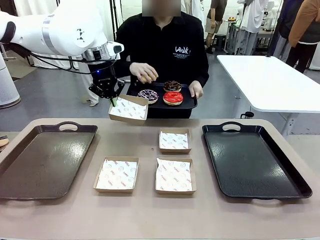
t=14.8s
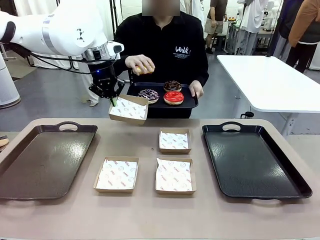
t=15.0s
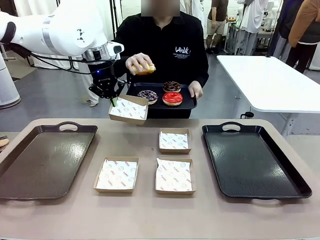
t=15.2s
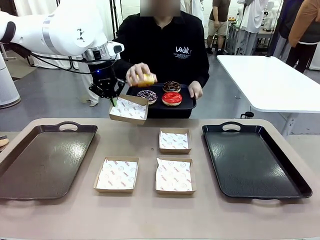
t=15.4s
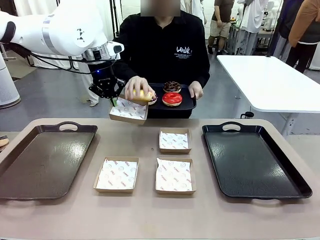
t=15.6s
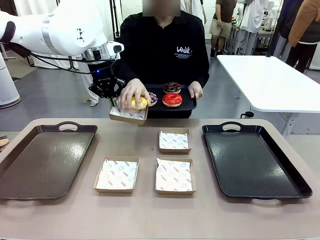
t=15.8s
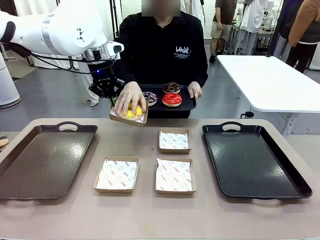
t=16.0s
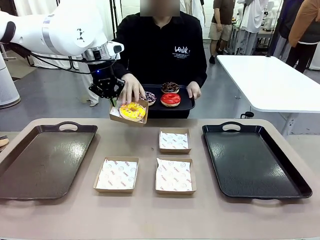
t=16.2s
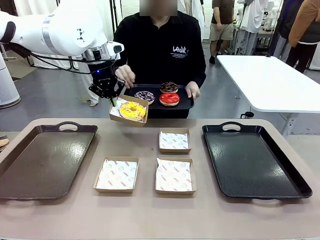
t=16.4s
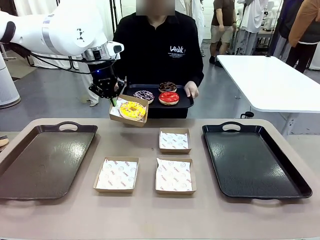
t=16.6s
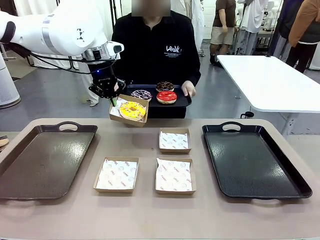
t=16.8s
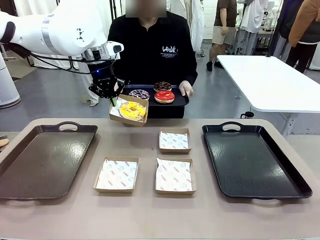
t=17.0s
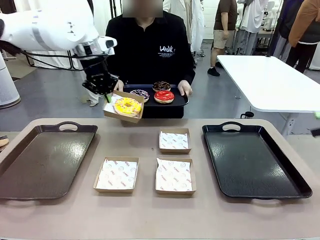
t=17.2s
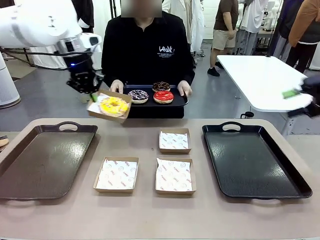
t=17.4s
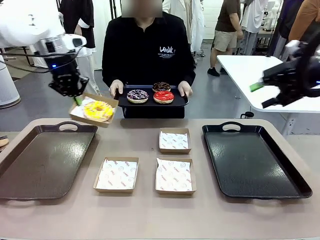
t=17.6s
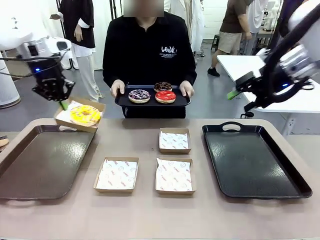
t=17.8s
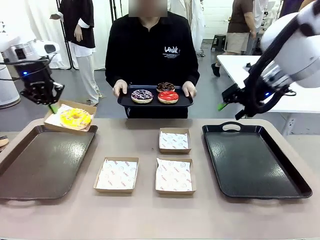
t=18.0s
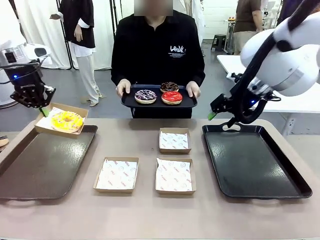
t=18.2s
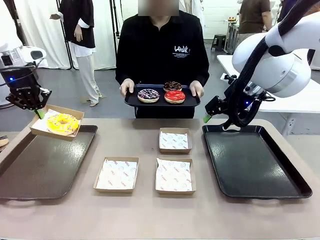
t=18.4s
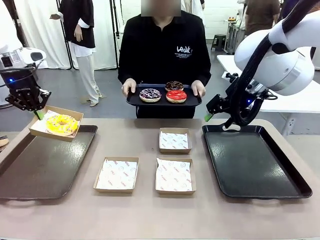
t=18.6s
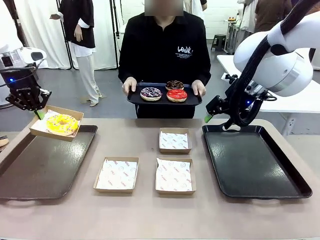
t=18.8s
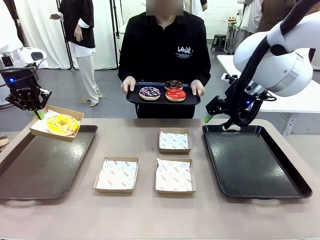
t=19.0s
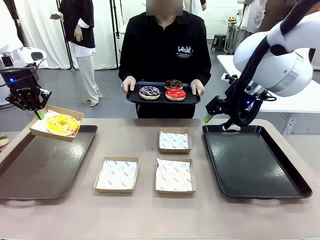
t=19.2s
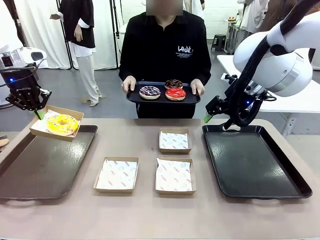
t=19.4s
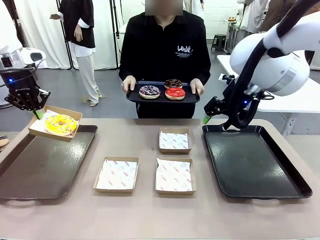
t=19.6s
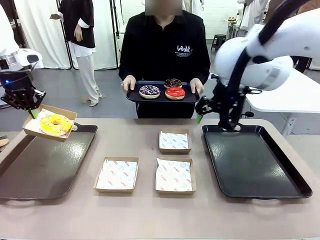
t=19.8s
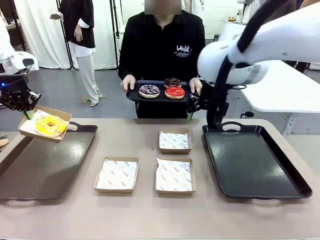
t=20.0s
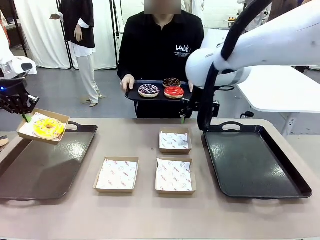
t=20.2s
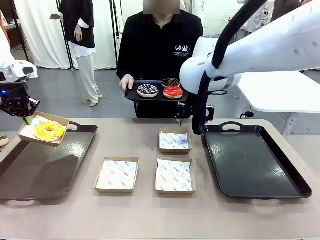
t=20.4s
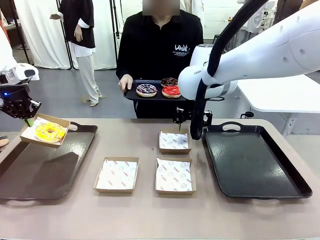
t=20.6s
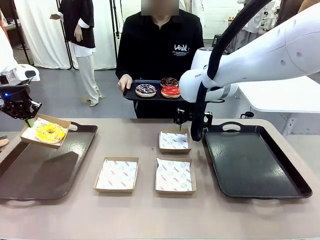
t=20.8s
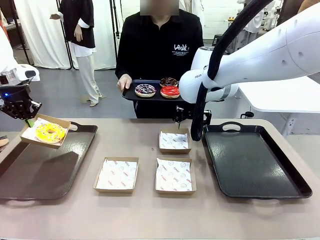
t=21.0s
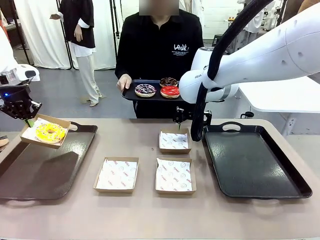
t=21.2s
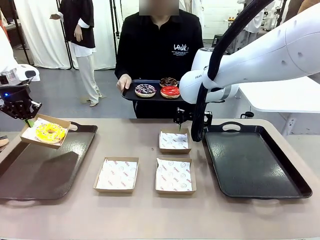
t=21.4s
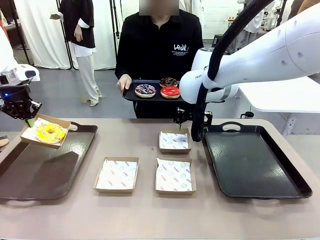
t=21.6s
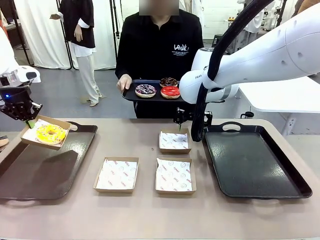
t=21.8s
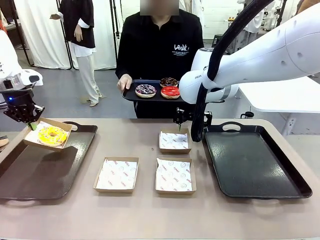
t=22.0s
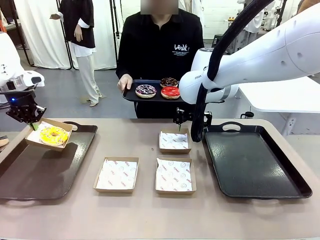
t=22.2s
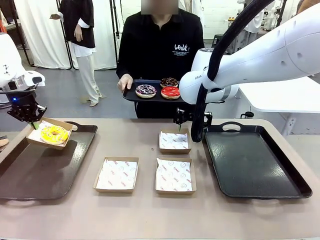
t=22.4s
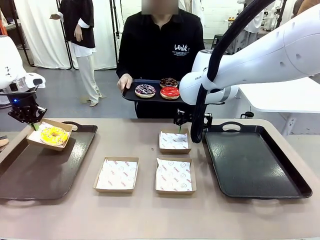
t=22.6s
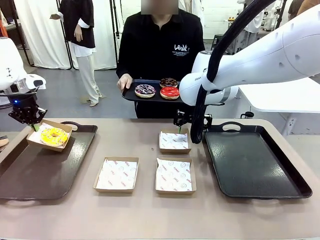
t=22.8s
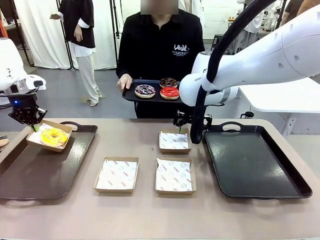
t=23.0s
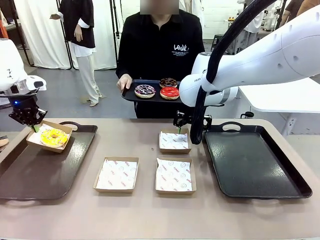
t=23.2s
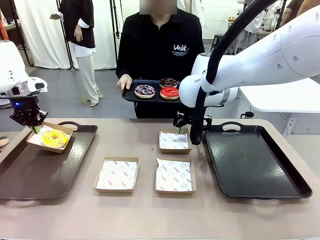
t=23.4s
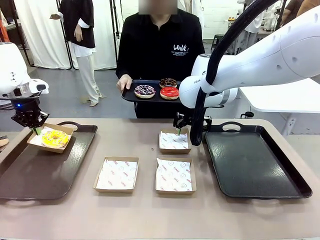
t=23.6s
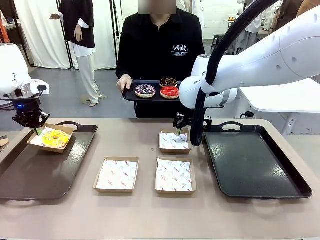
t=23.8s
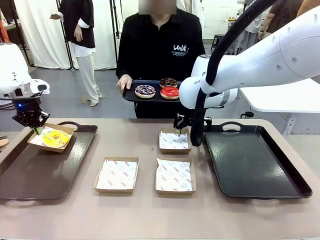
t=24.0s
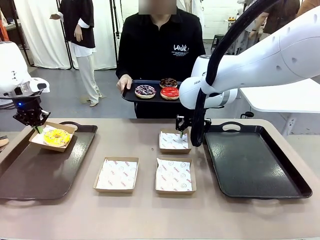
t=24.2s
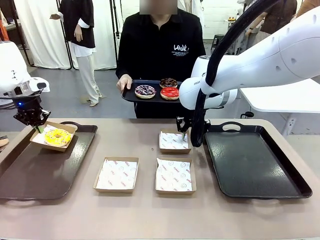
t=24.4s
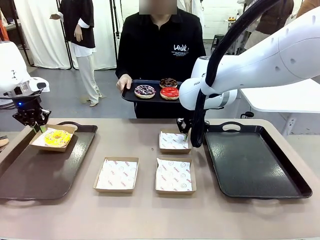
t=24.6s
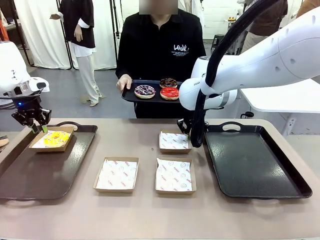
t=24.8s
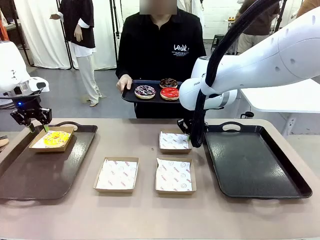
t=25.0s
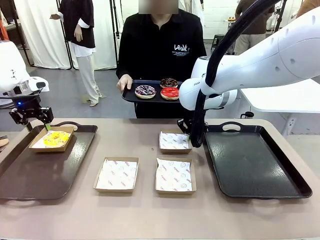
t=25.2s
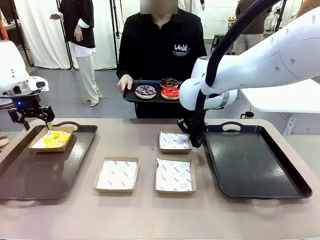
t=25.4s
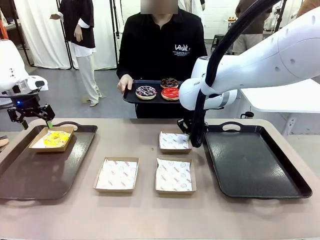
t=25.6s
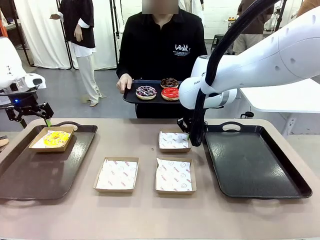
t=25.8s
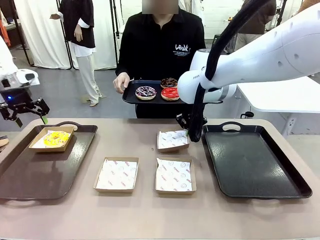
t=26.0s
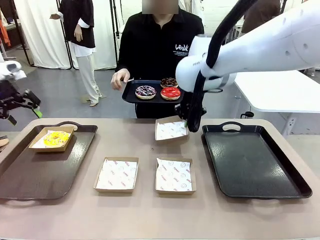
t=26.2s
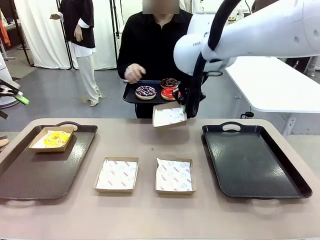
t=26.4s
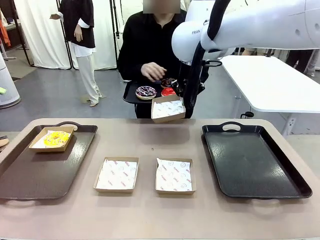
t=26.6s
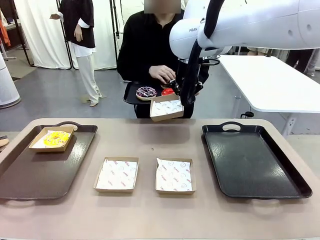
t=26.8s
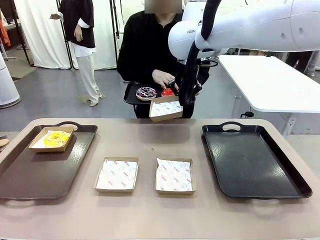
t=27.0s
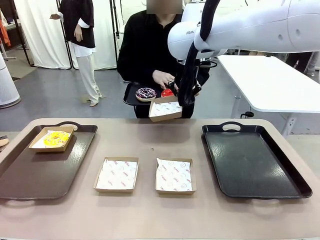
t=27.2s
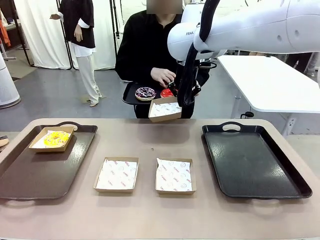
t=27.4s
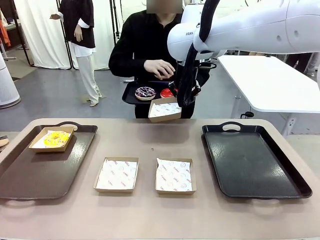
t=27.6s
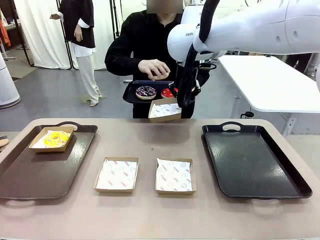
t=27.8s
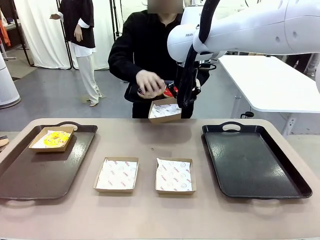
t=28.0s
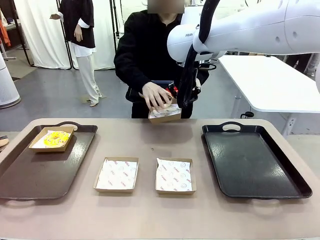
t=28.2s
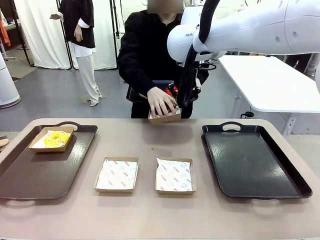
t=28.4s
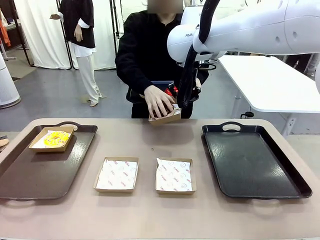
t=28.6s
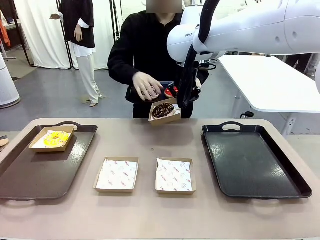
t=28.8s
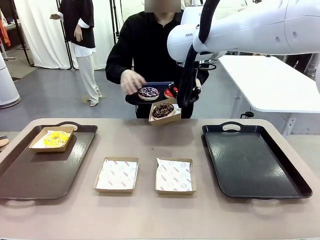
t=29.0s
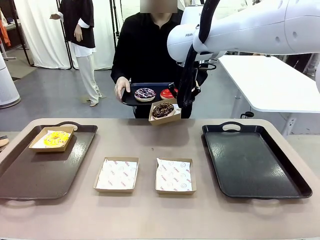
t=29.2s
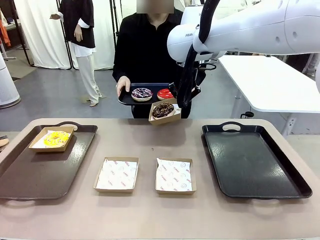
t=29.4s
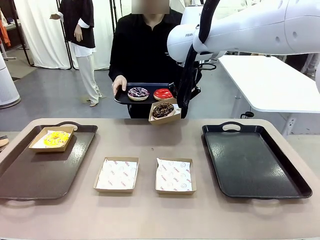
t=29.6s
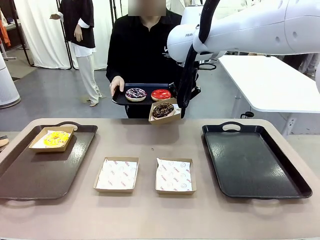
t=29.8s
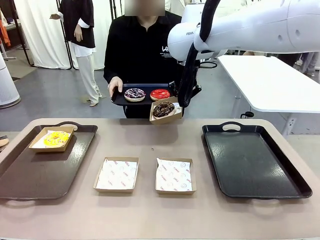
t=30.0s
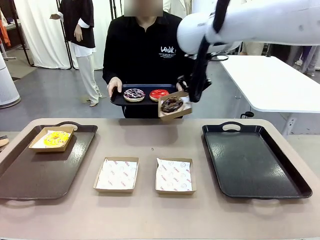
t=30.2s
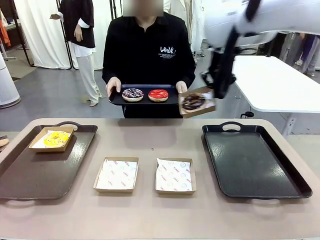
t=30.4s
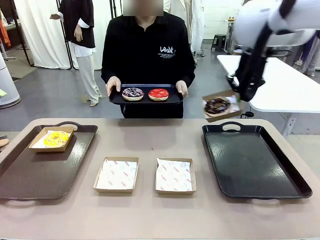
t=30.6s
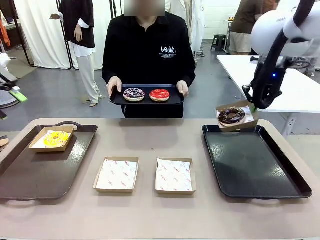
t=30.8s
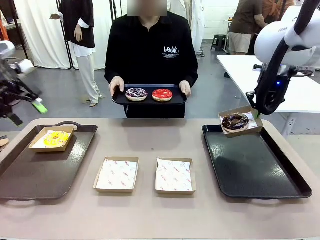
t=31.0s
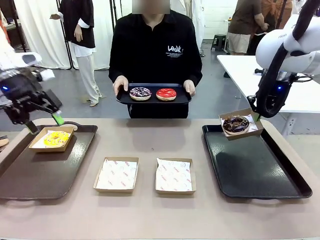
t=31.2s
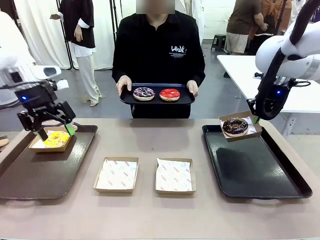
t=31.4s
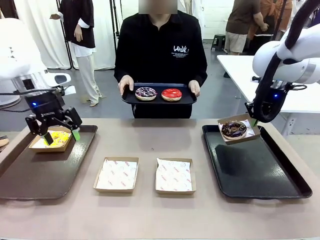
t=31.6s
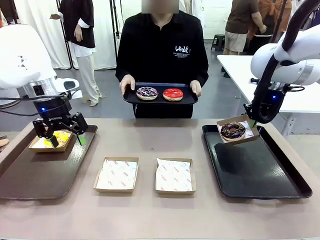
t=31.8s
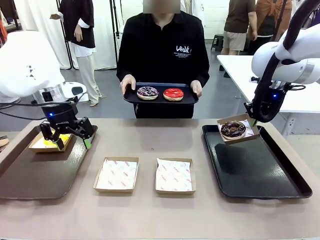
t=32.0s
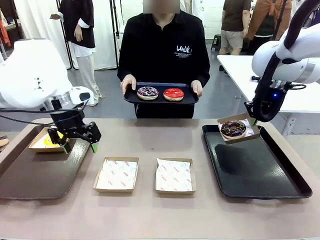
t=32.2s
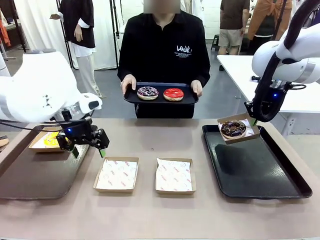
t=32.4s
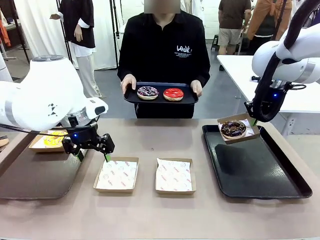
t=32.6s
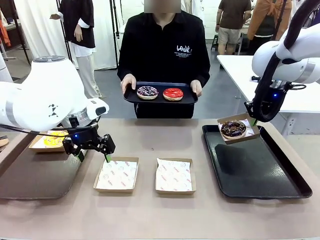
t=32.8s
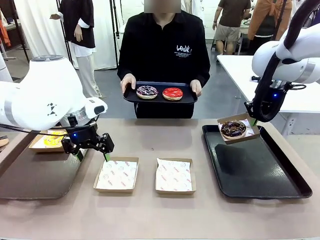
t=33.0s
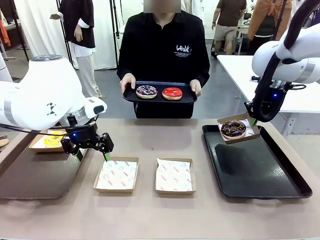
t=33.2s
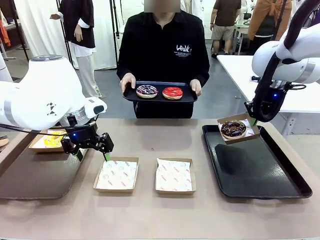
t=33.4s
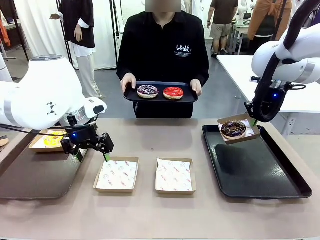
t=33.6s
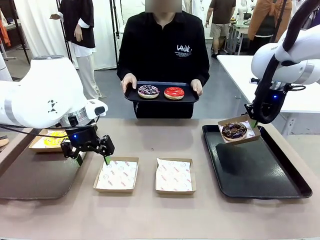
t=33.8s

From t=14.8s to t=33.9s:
Task: Individually package the donuts and arrange them on the tray.
Robot: Place the picked Paper togo box on the Handle tray while simultaneously picking up another Paper togo box from the table with the other hand.
